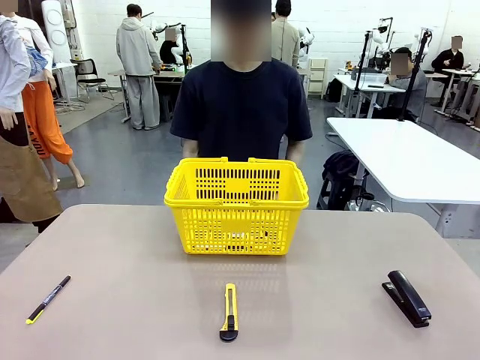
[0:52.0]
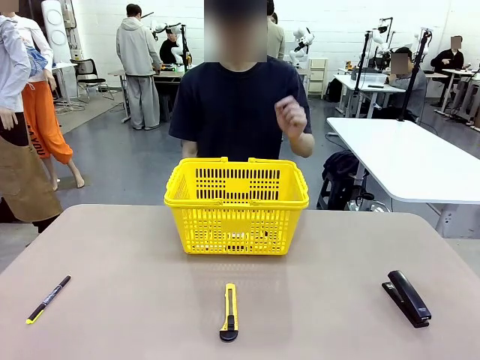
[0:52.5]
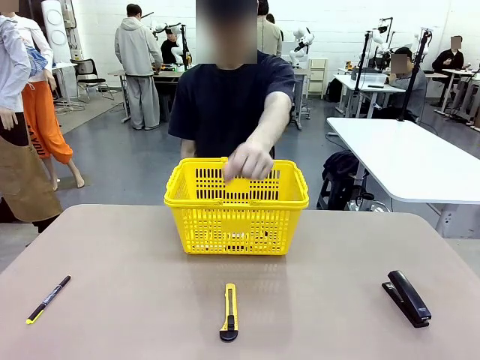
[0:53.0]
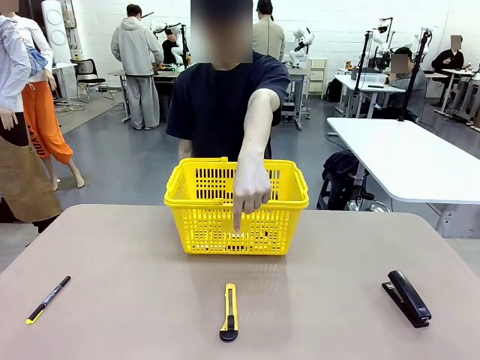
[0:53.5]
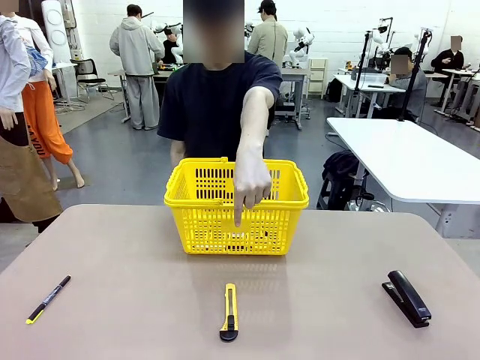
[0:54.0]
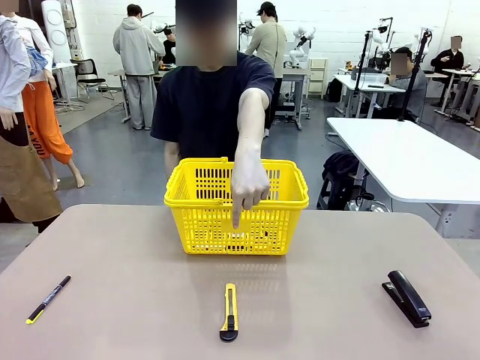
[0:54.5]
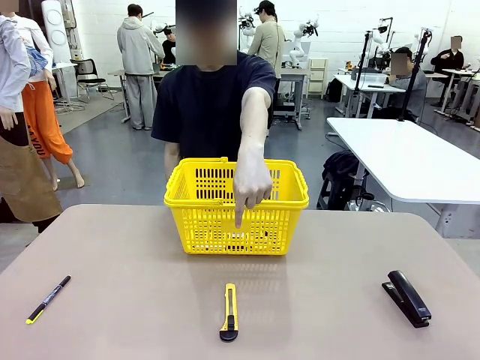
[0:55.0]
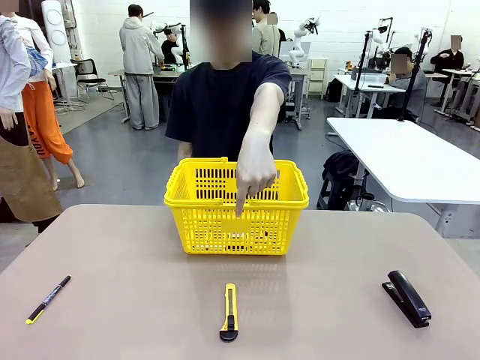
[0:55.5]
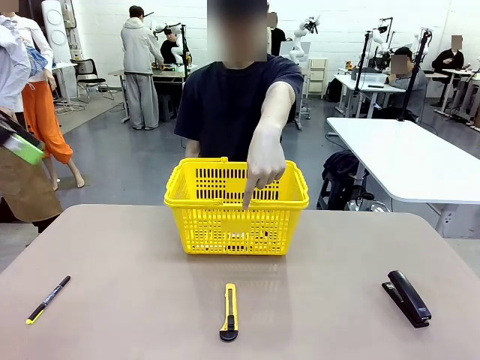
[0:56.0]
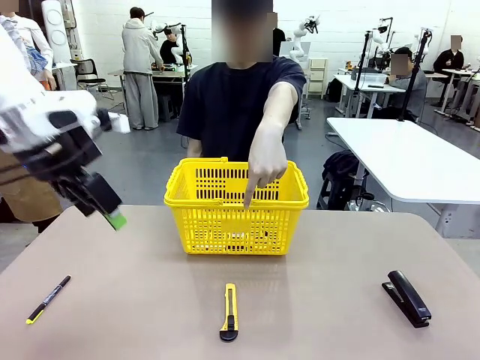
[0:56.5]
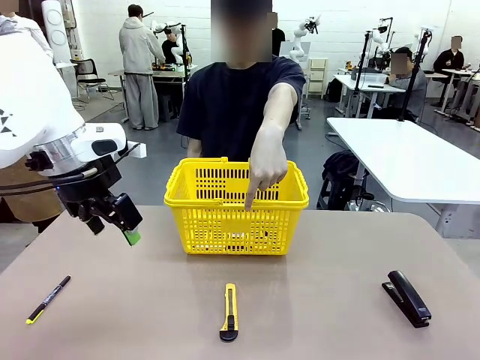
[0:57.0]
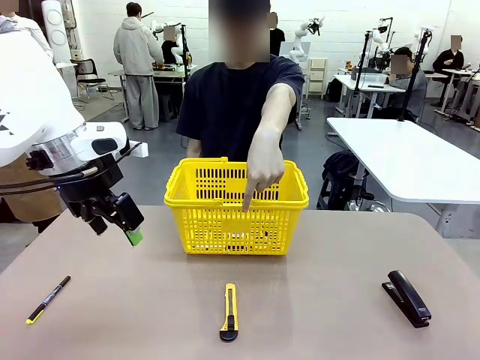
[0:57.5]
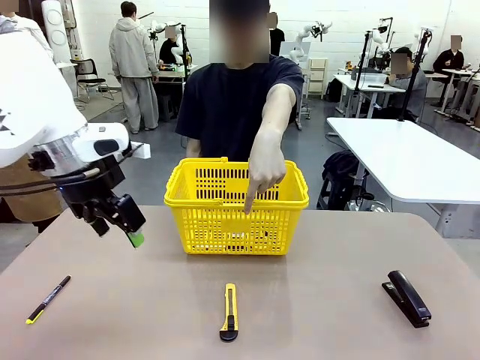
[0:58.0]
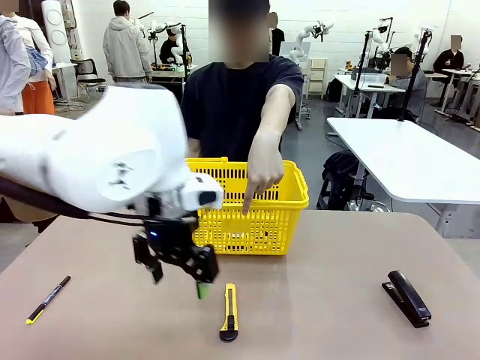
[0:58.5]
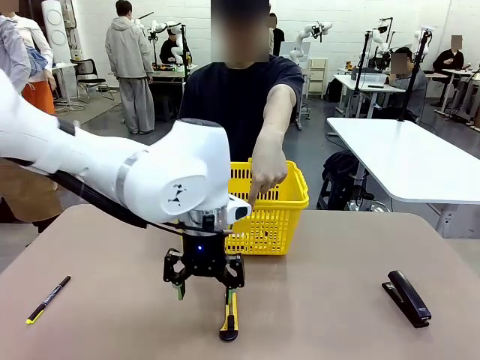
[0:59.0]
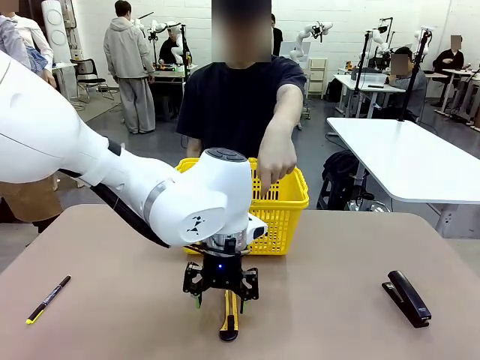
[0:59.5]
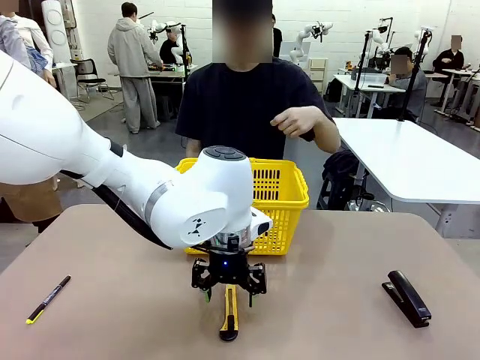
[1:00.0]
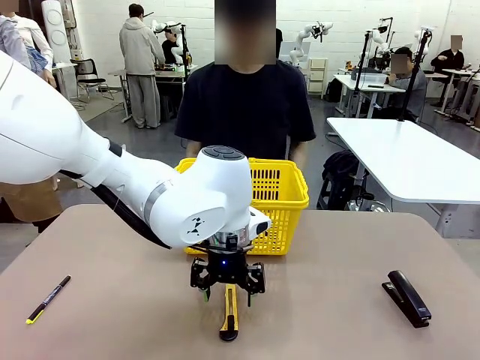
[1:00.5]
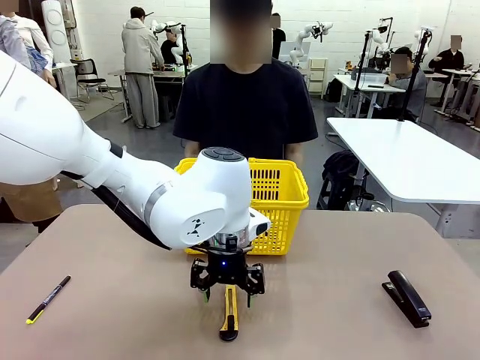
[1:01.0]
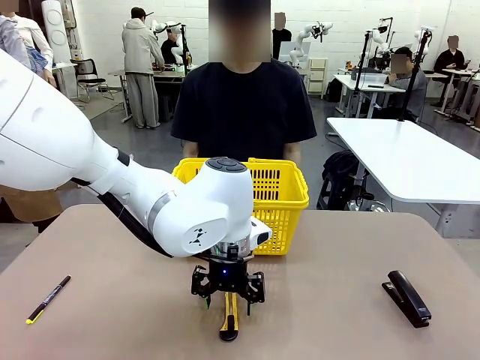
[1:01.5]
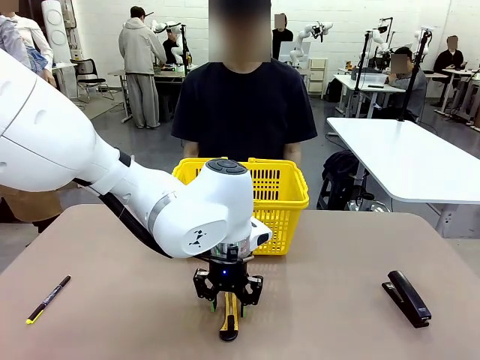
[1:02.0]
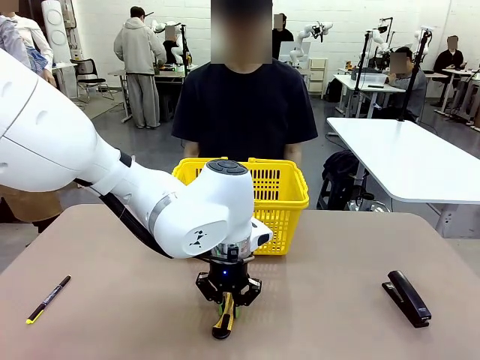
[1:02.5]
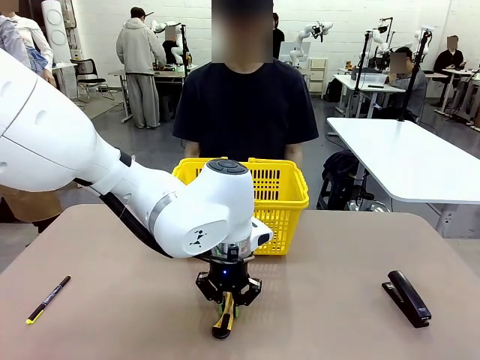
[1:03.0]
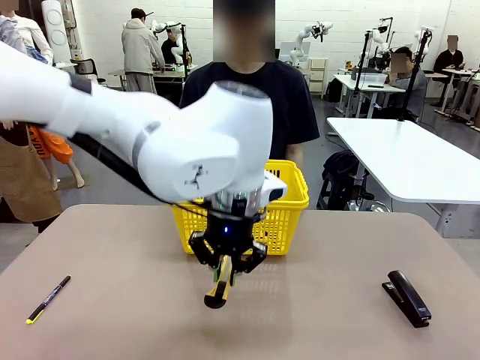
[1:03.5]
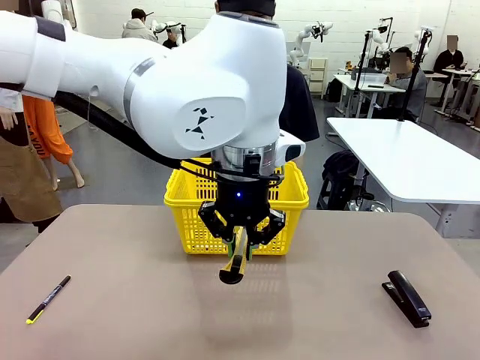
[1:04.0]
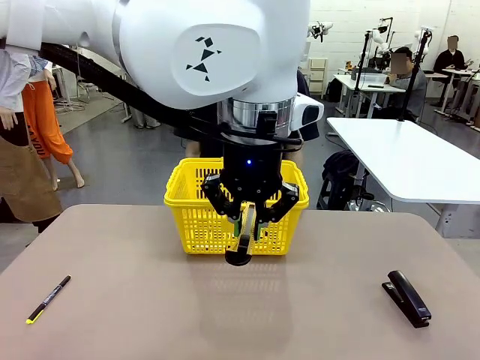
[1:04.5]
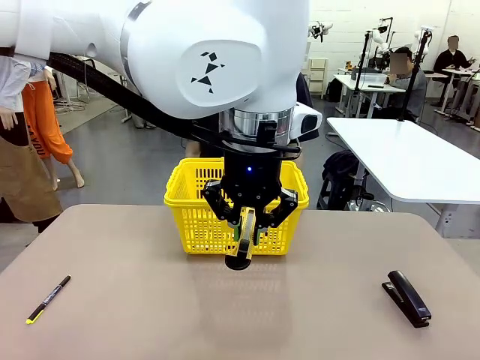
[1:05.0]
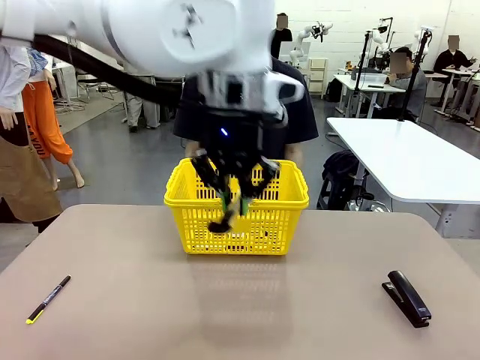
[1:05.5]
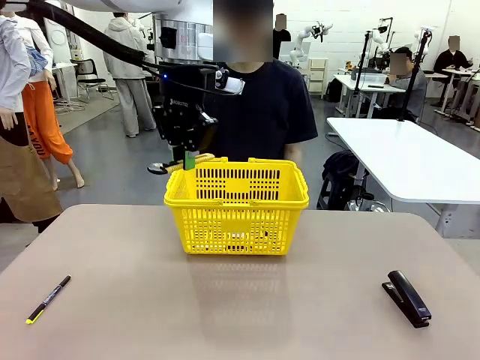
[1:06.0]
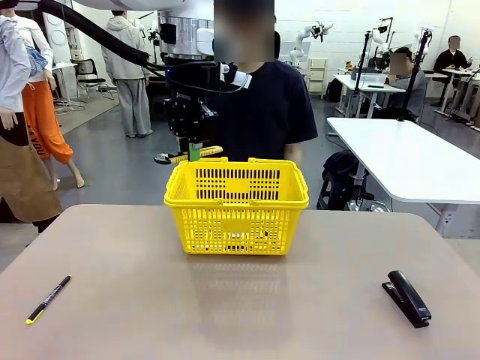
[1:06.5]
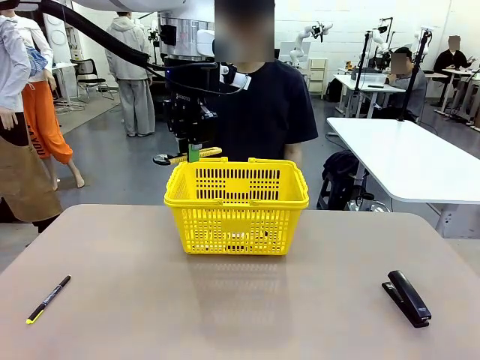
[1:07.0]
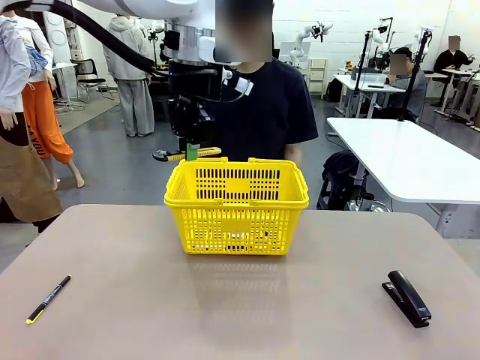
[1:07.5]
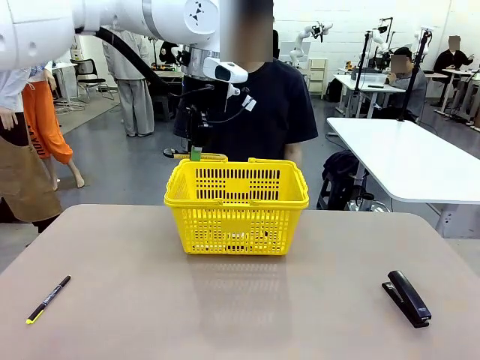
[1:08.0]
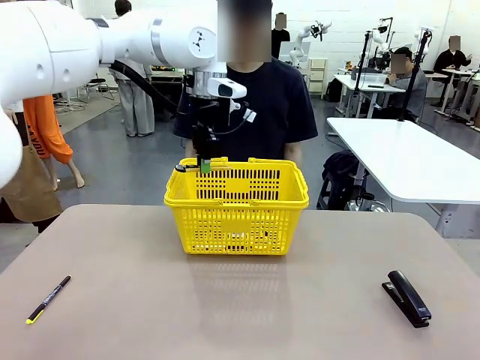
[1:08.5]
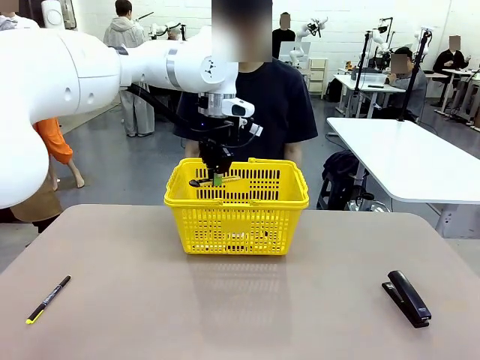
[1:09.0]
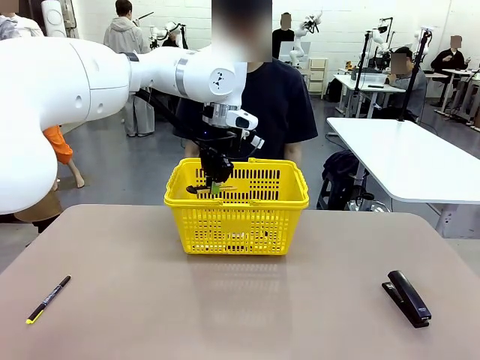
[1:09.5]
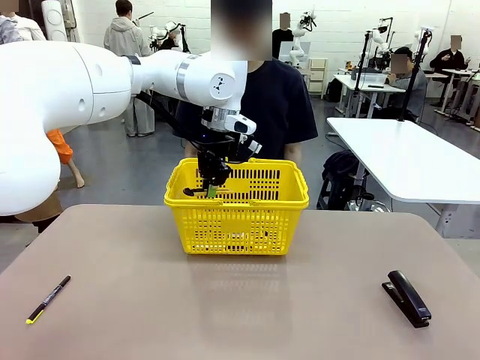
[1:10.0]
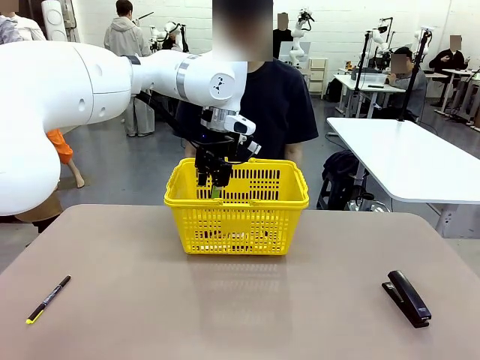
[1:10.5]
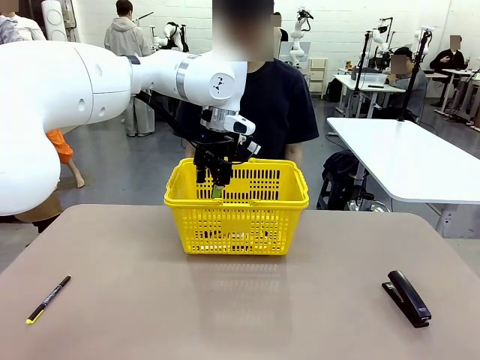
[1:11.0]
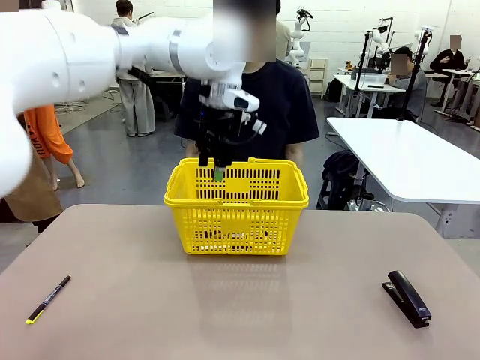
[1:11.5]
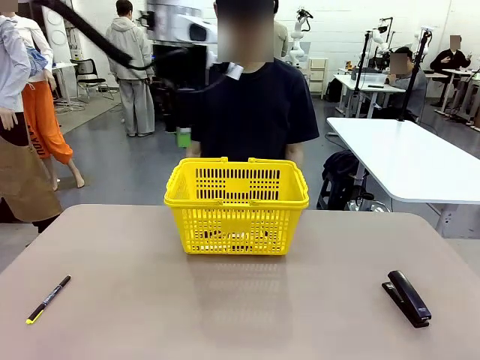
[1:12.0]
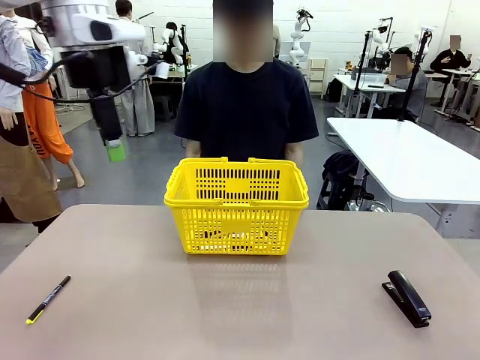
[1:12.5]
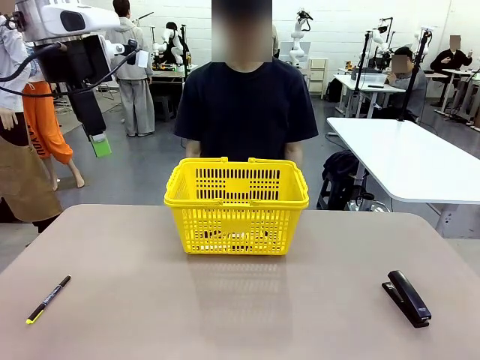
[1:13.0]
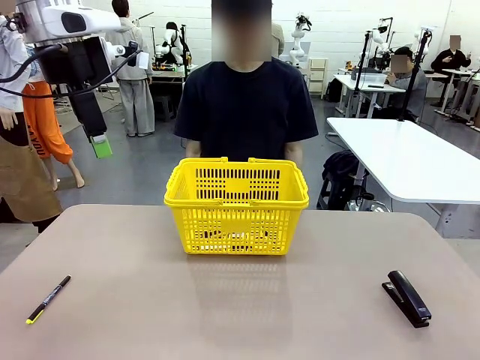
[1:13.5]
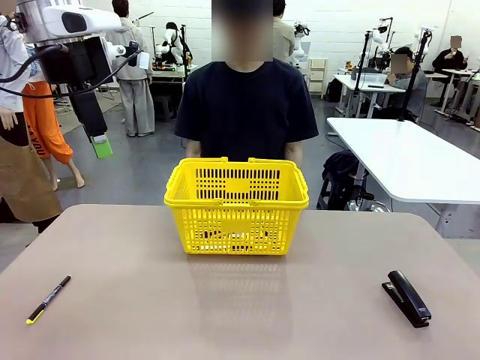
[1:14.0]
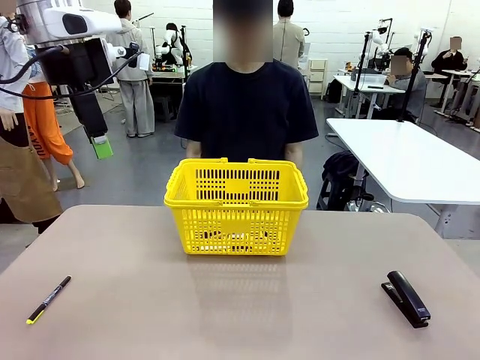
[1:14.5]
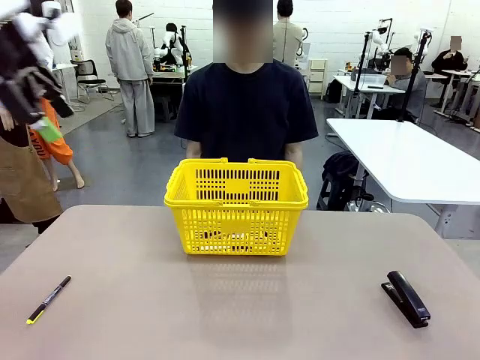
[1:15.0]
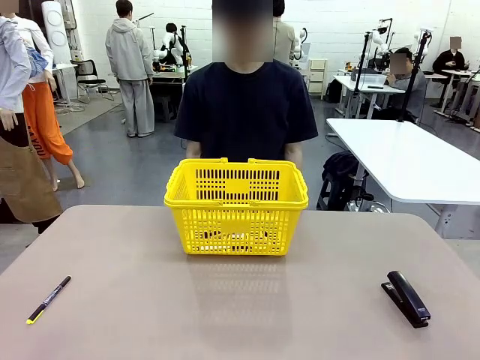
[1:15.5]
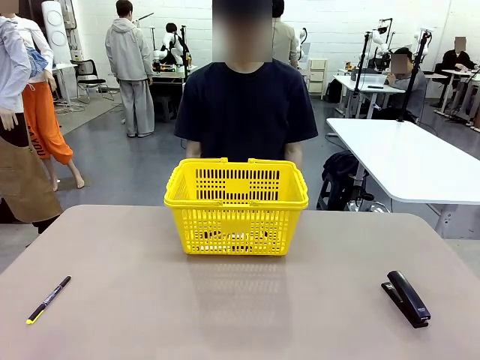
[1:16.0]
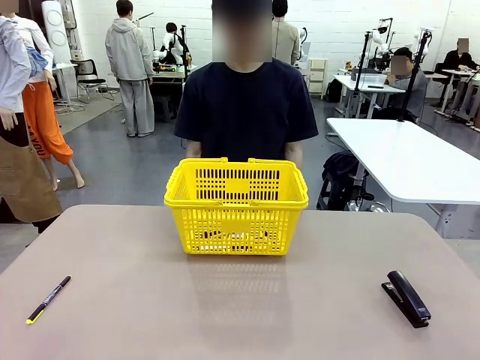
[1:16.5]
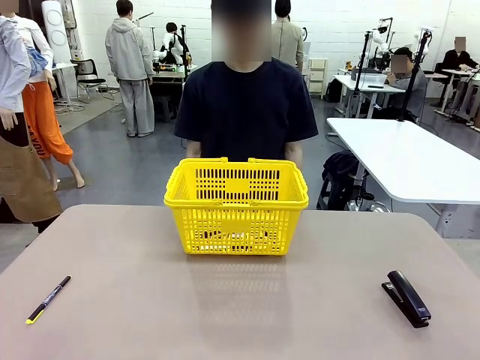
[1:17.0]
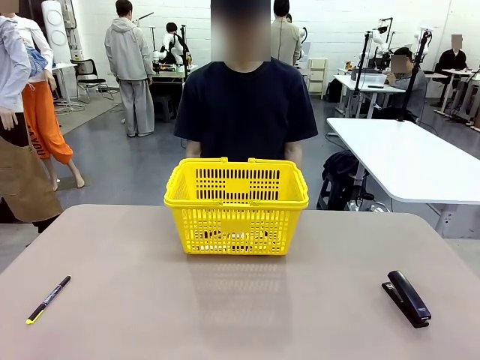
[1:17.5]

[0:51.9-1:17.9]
Task: Place the items the person wants into the basket.
Robot: Pick up the item the person points to and place it in the Market Basket.
